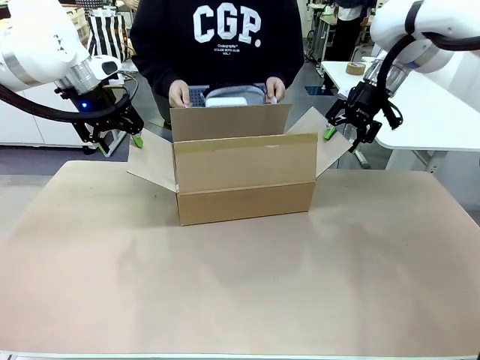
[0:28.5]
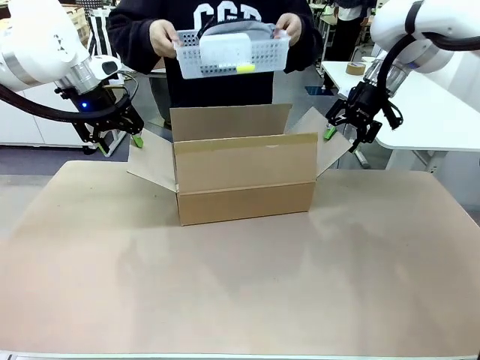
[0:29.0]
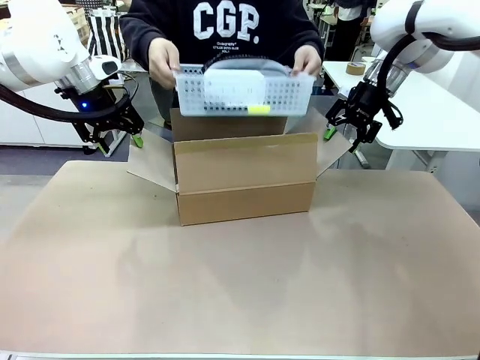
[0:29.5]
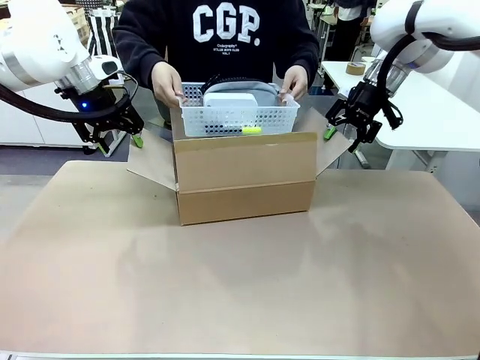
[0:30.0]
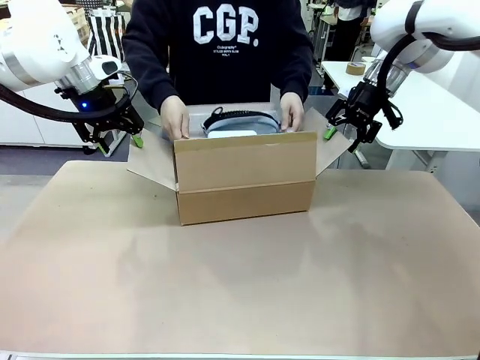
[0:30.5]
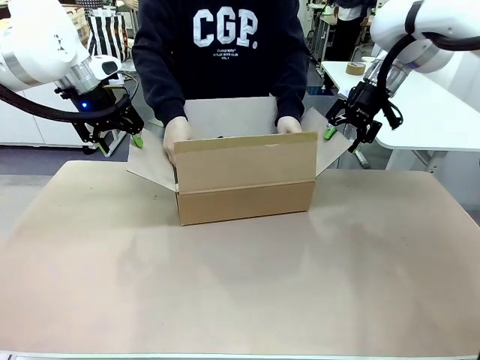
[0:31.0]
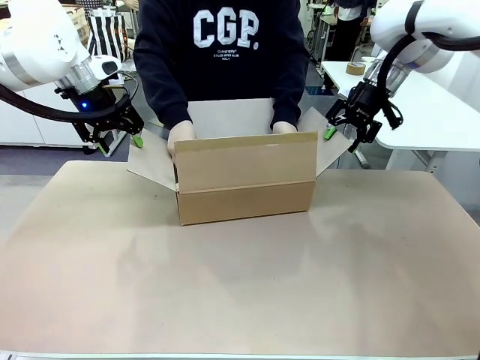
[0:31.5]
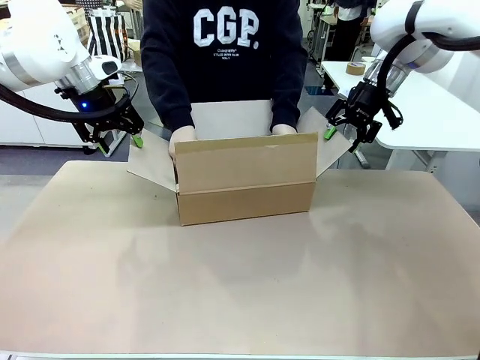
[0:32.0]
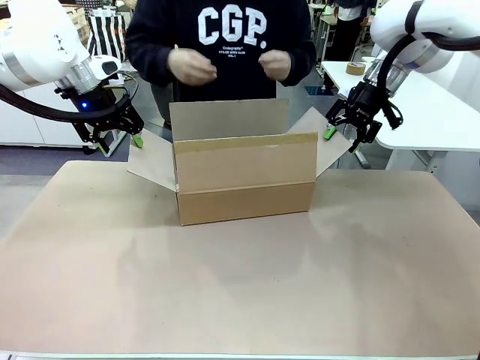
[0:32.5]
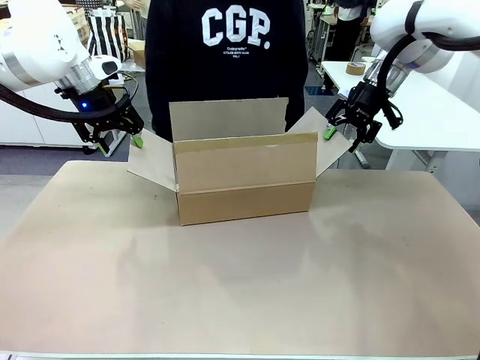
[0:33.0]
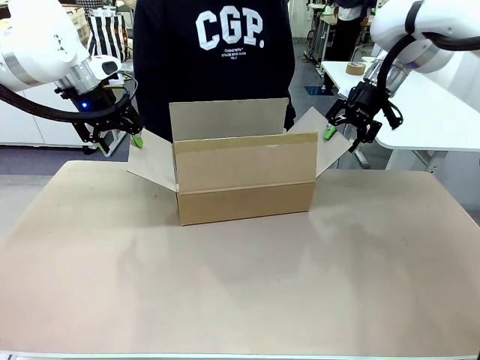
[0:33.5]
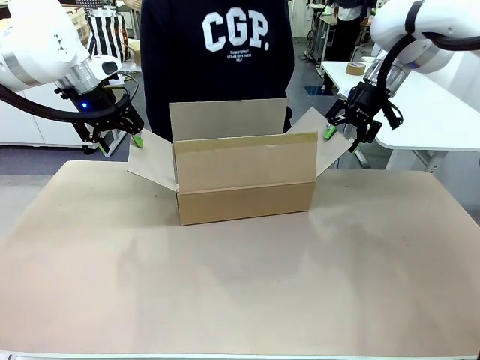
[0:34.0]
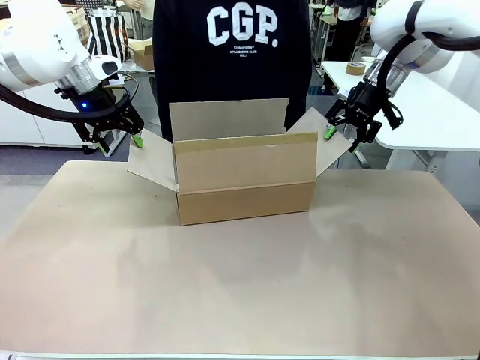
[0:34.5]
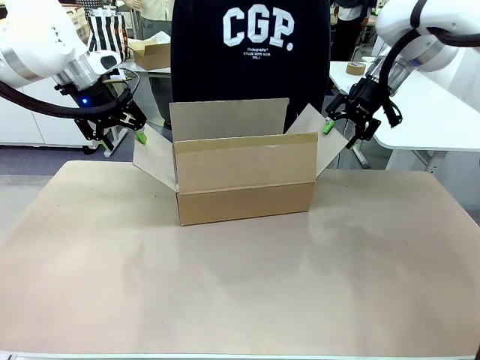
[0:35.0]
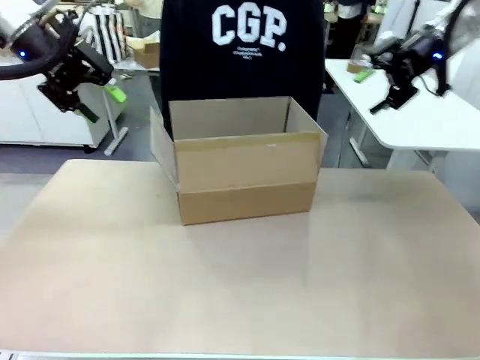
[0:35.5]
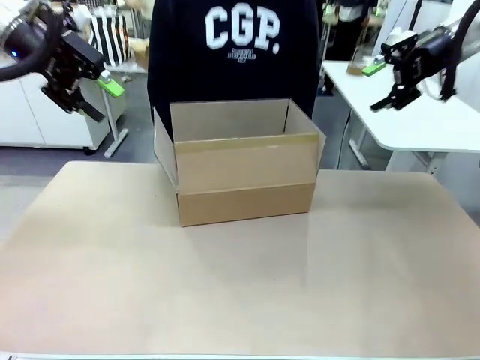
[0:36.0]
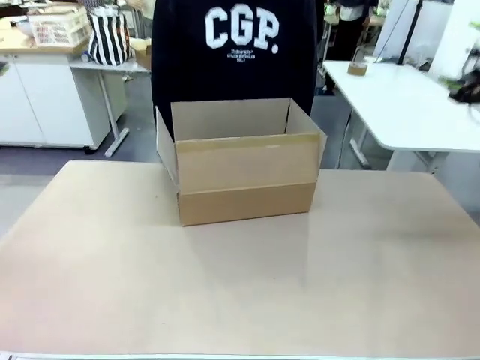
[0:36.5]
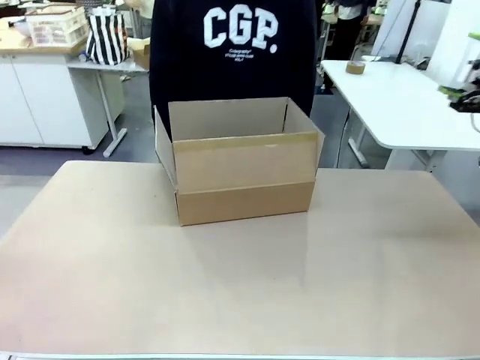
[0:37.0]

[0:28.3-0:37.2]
Task: Pack the gift set into the box.
Robot: Lift both hands away from the flaps of the Package Box.

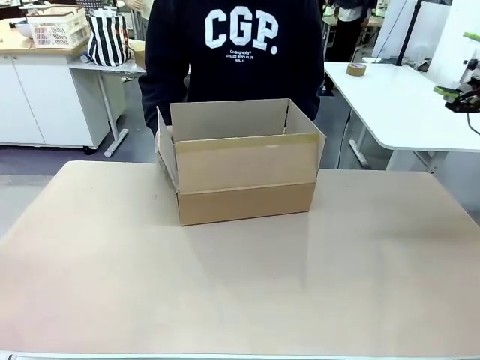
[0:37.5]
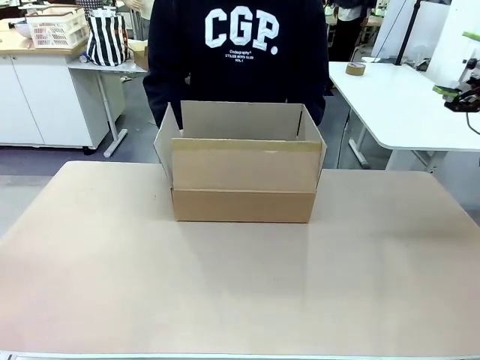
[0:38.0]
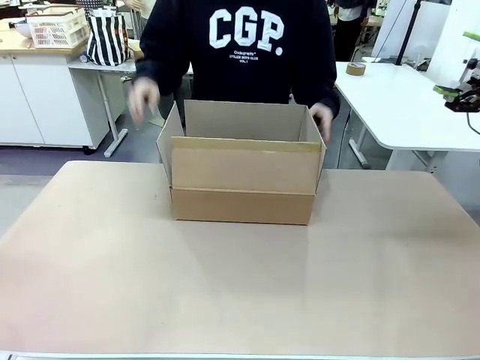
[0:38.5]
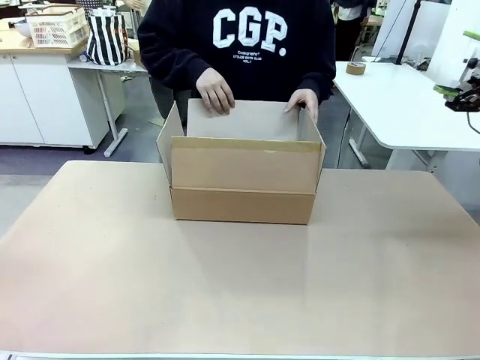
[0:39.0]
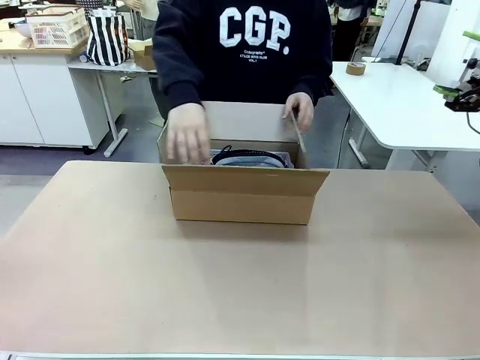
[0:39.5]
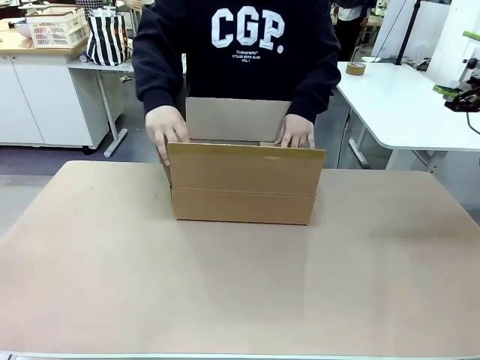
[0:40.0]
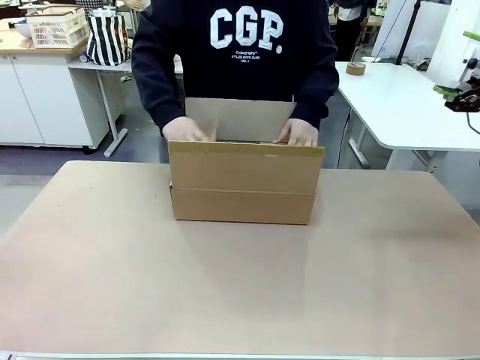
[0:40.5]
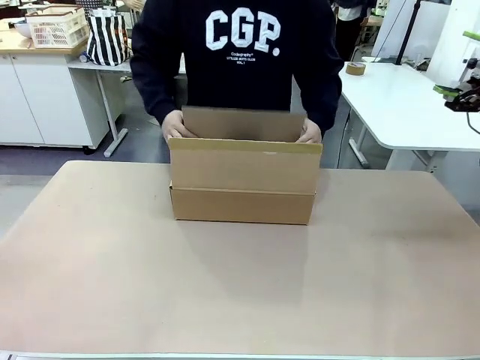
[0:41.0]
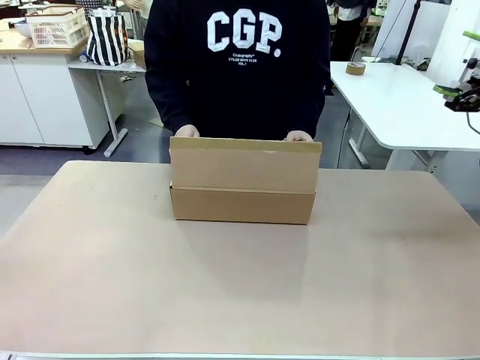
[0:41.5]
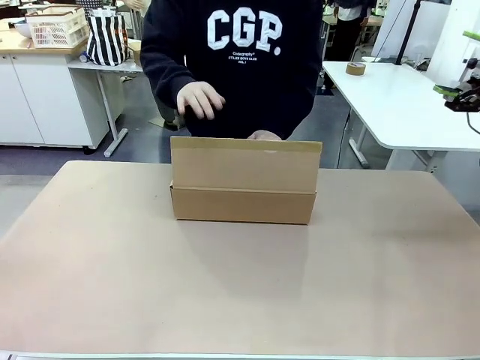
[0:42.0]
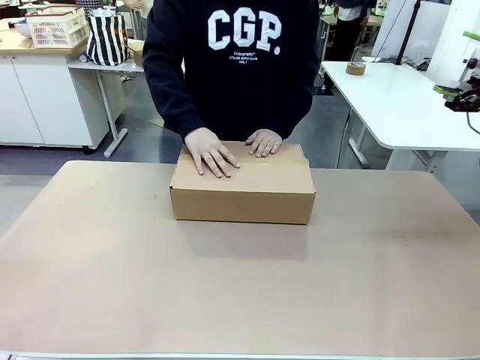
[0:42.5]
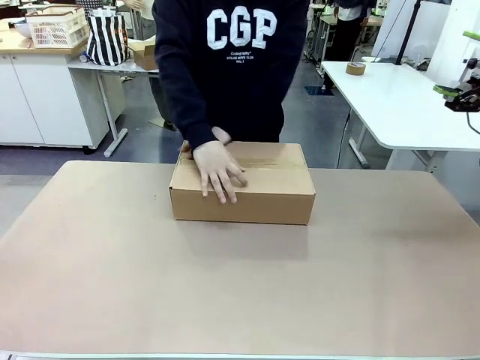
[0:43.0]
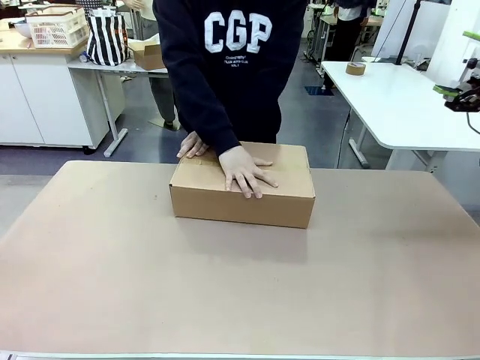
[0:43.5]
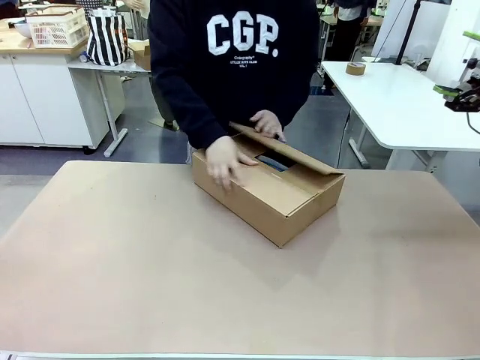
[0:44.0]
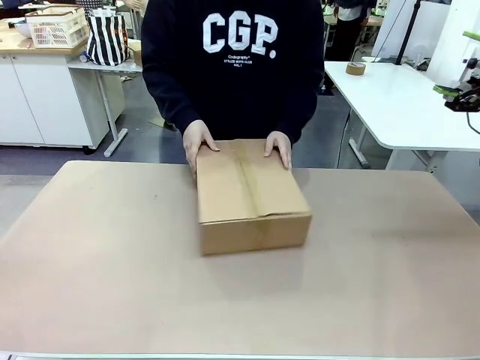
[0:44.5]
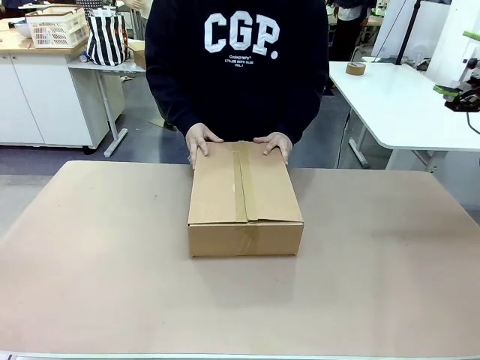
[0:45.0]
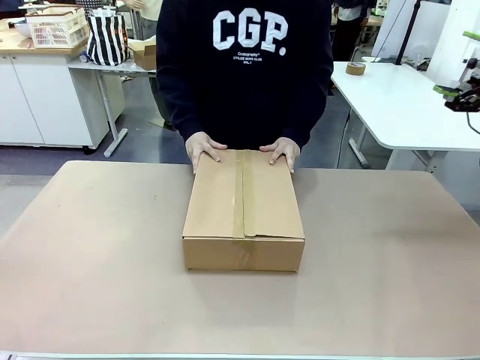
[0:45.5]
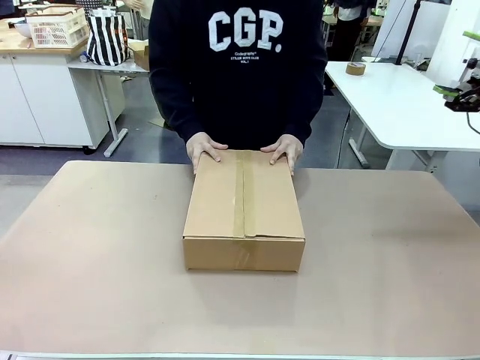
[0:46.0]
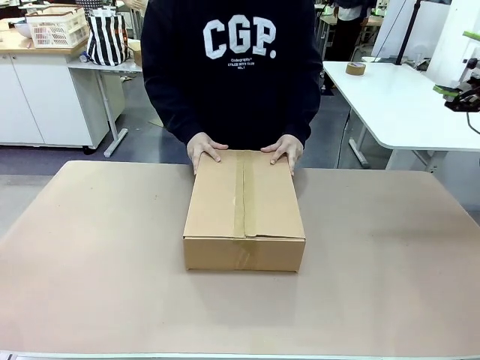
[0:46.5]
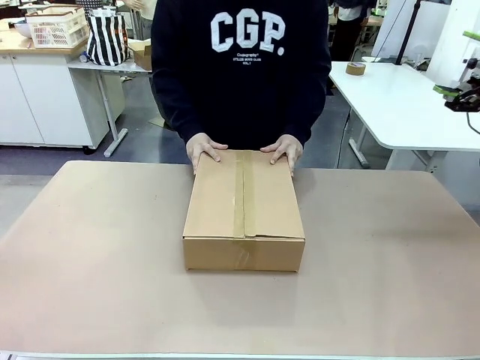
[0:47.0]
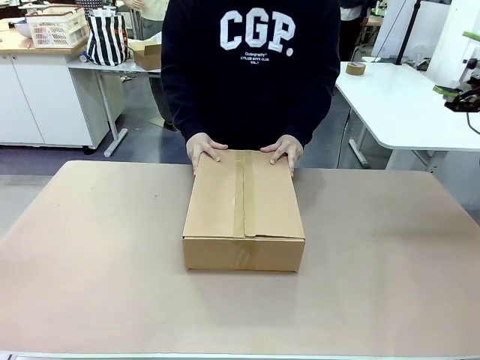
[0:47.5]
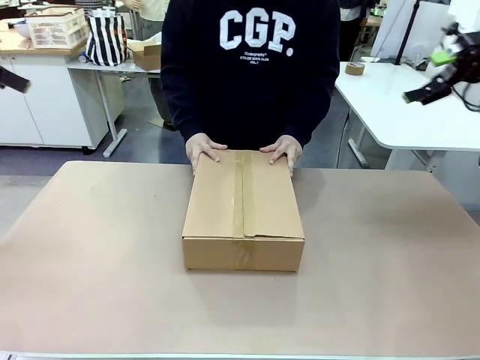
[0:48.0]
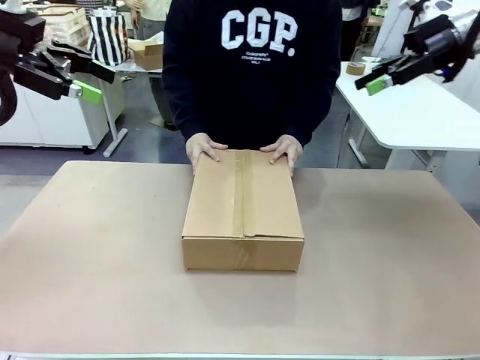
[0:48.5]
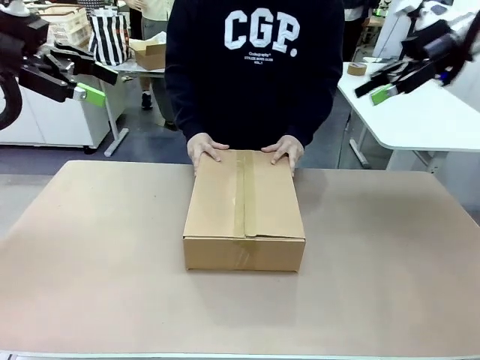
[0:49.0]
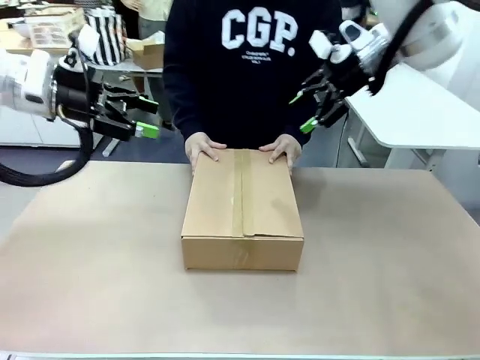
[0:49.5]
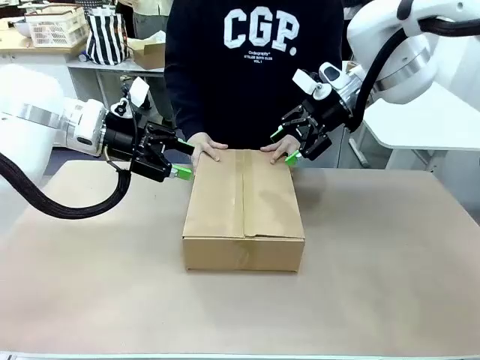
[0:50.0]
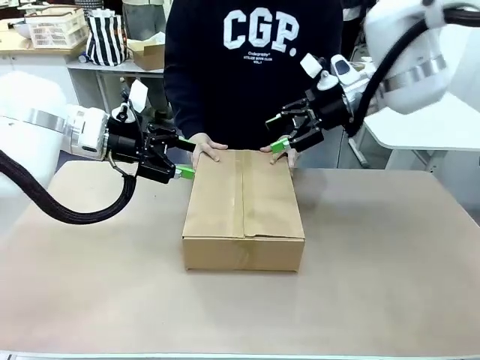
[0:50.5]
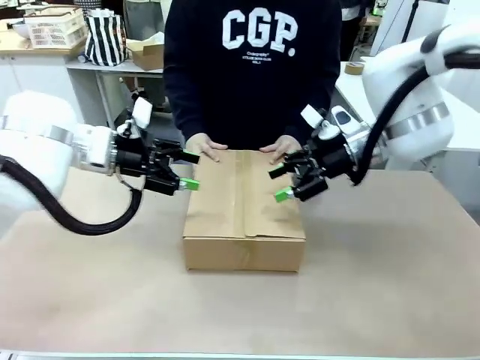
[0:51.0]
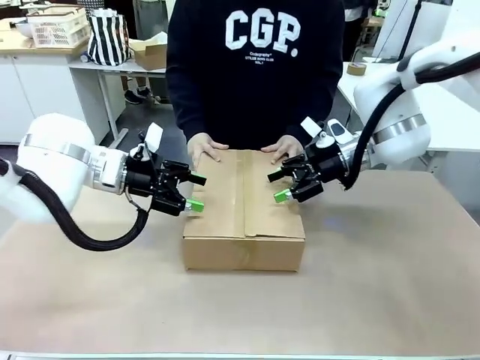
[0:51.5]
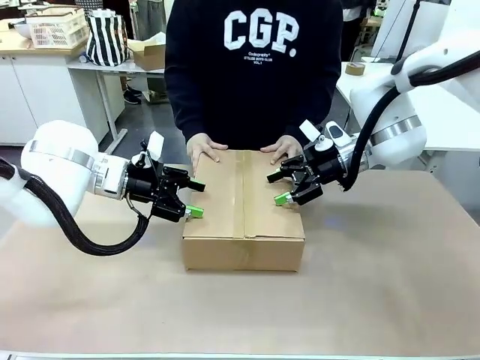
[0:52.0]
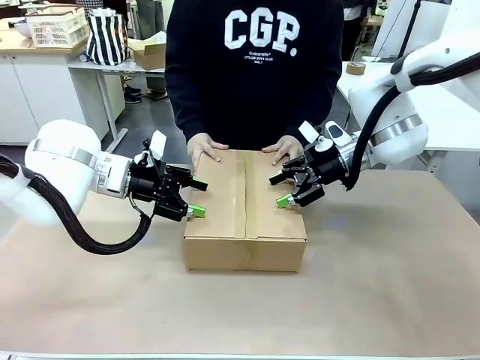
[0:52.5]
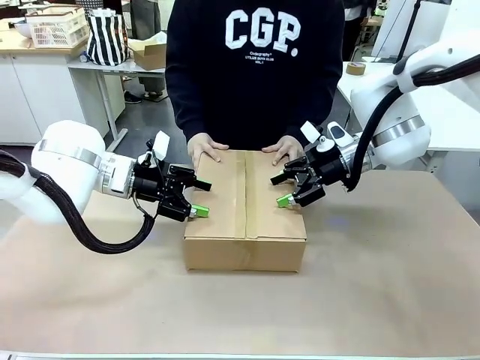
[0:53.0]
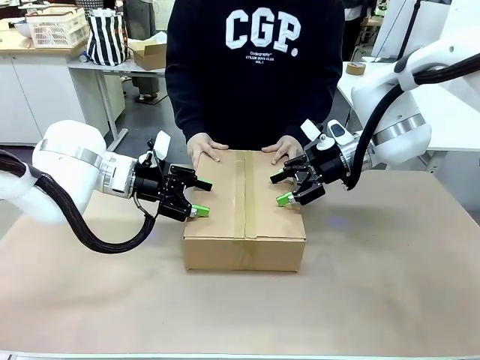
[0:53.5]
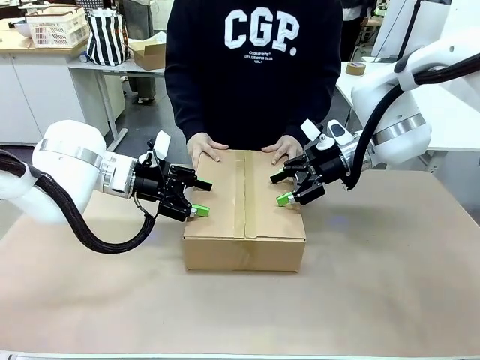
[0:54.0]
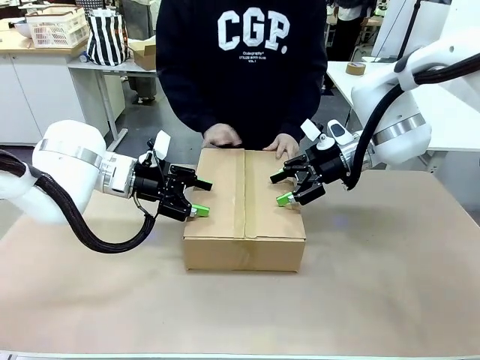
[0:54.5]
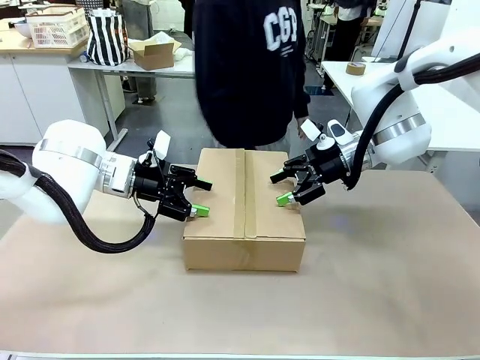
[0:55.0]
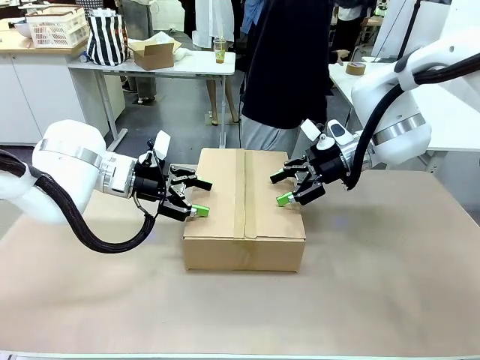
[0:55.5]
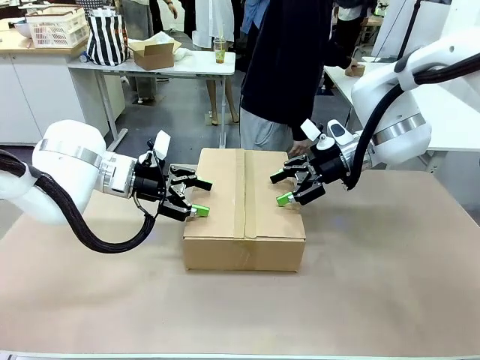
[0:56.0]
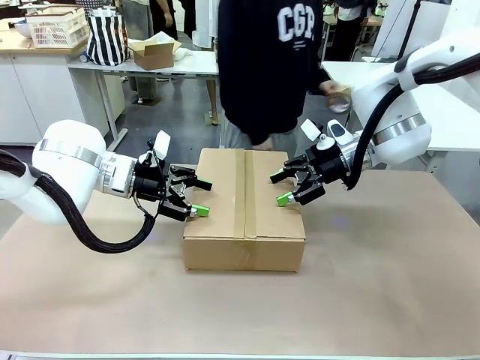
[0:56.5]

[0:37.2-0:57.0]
Robot: Press and hold the closed box until the human finishes sealing it.
Person: The human closes the box and rotates the box by 90 degrees.
